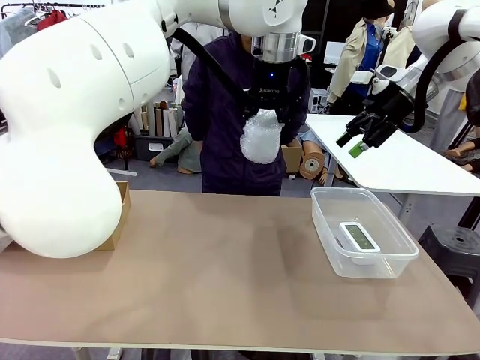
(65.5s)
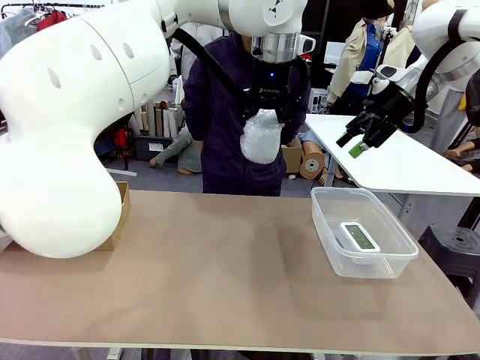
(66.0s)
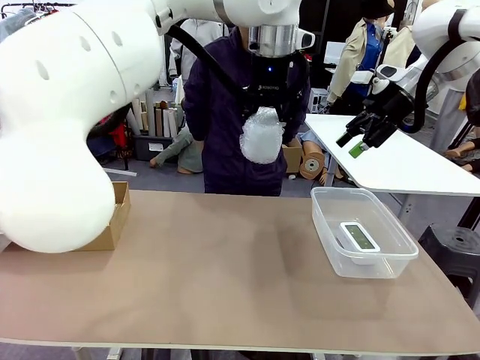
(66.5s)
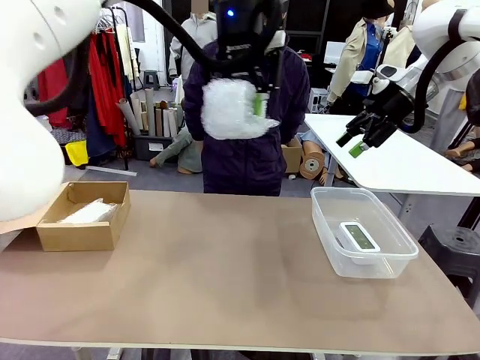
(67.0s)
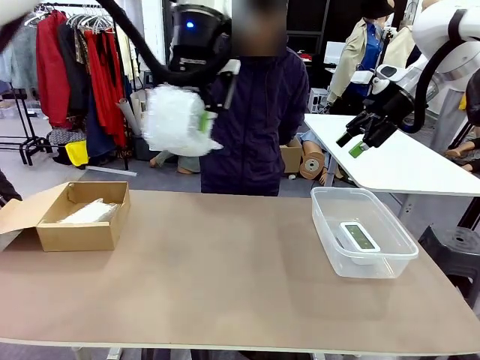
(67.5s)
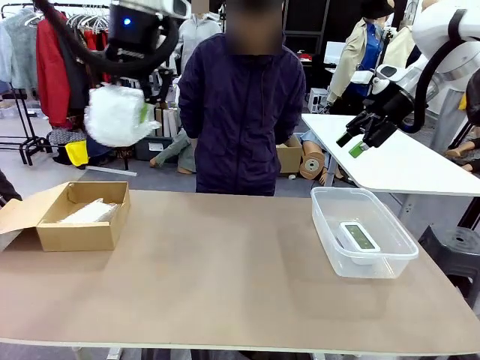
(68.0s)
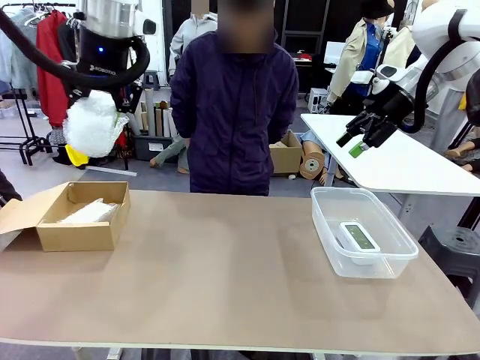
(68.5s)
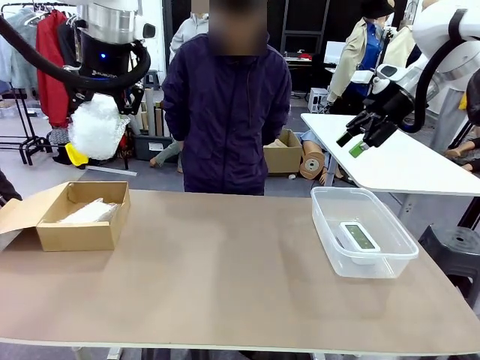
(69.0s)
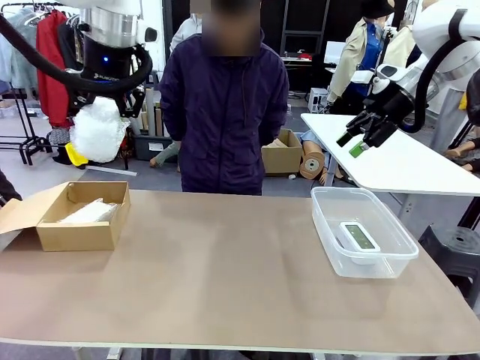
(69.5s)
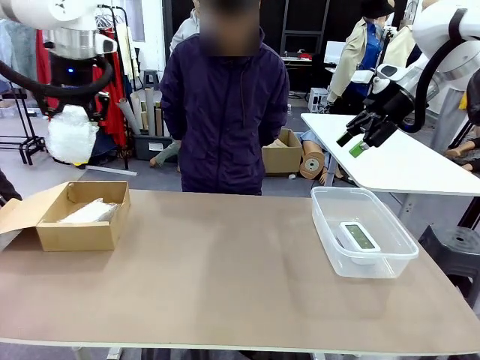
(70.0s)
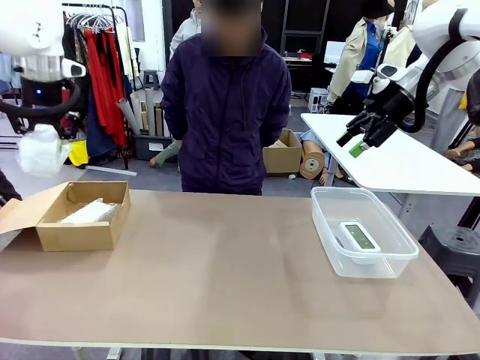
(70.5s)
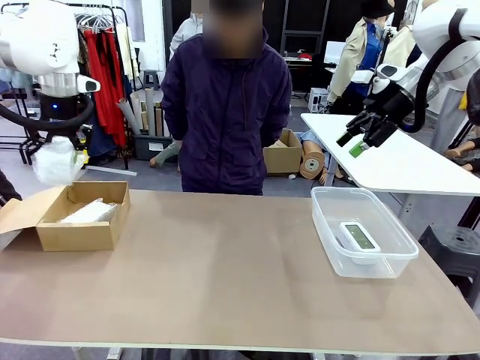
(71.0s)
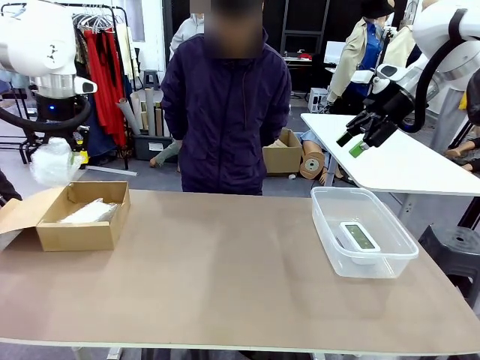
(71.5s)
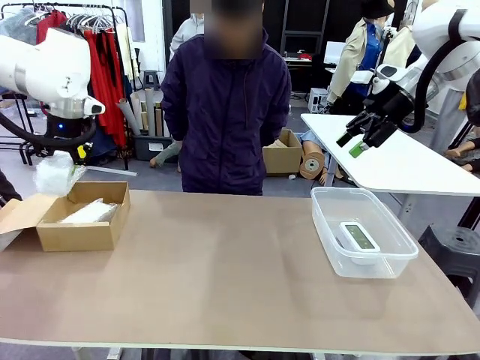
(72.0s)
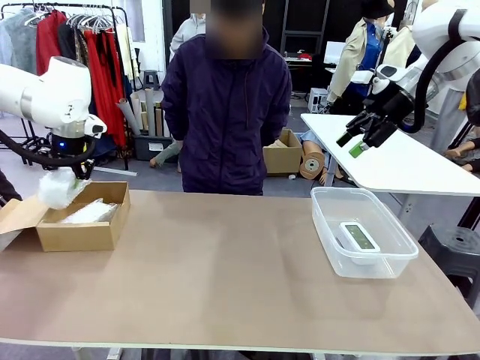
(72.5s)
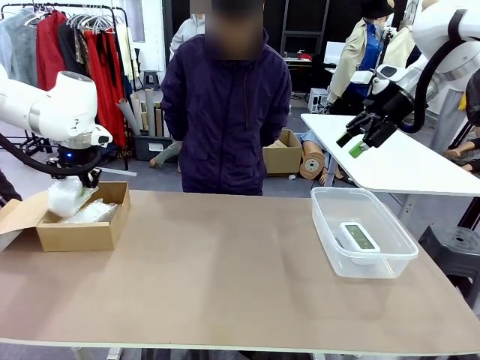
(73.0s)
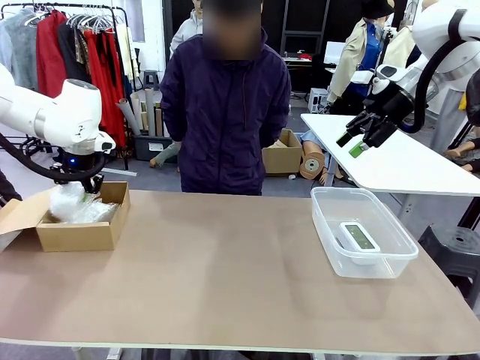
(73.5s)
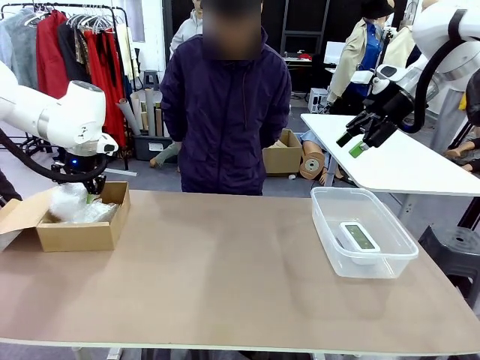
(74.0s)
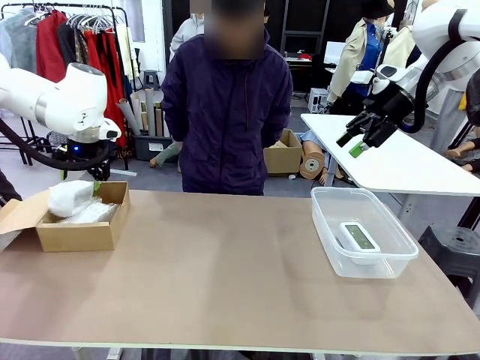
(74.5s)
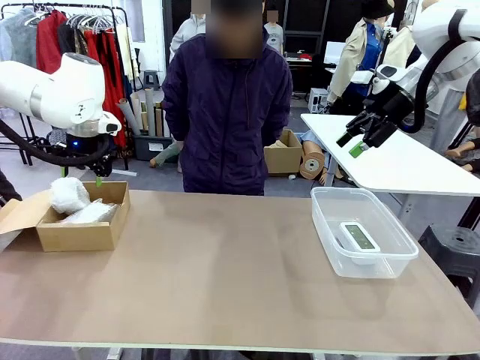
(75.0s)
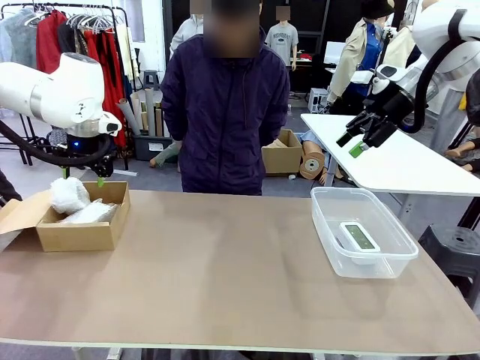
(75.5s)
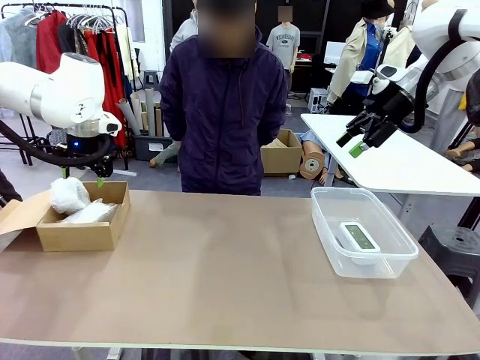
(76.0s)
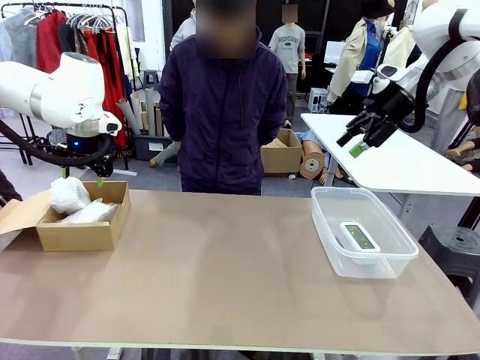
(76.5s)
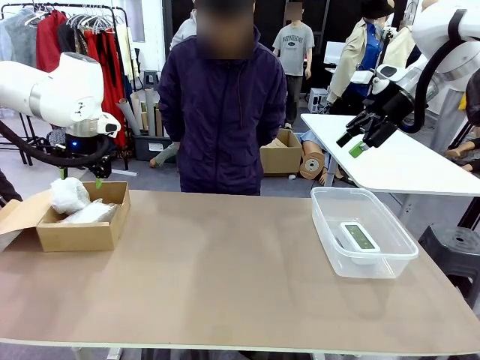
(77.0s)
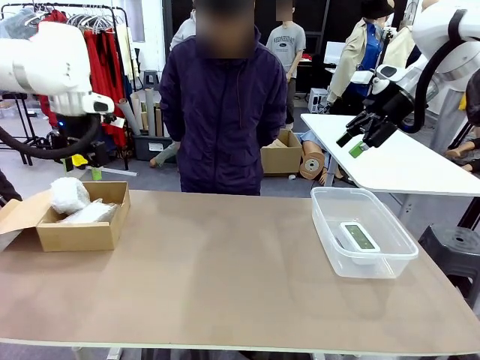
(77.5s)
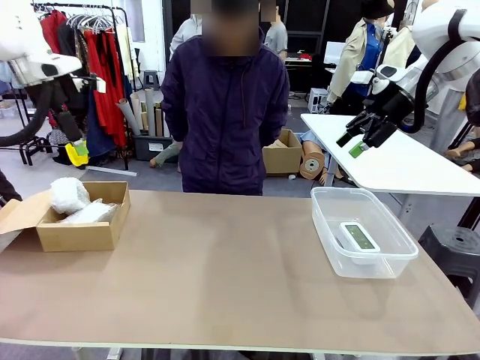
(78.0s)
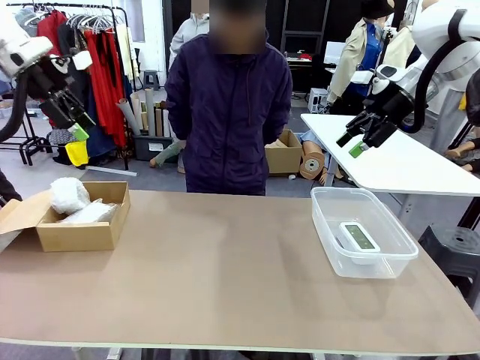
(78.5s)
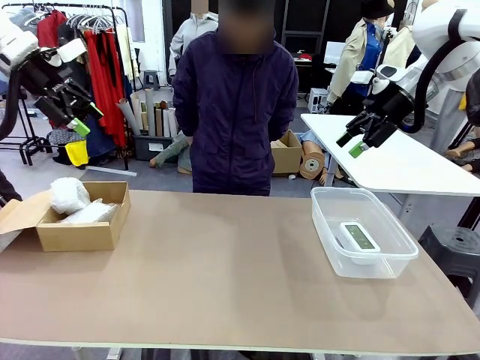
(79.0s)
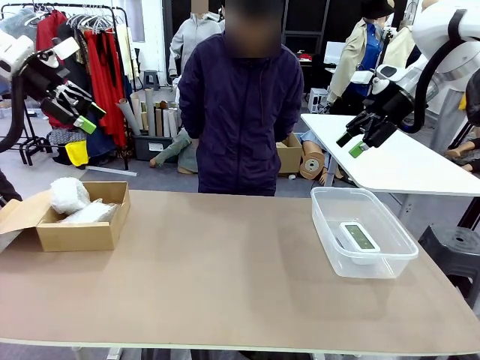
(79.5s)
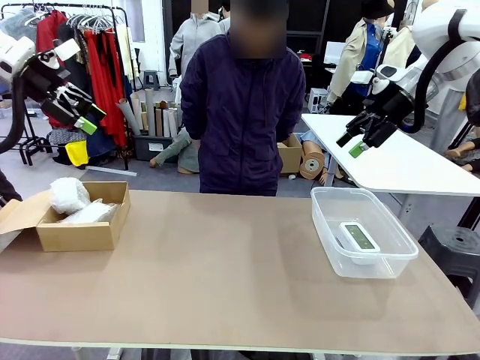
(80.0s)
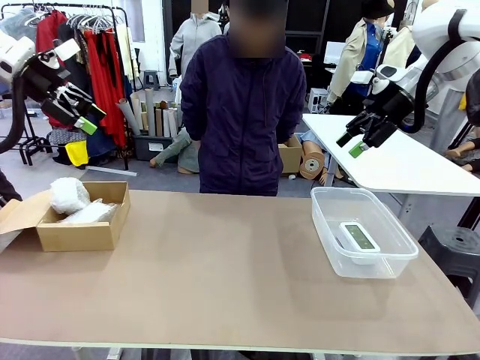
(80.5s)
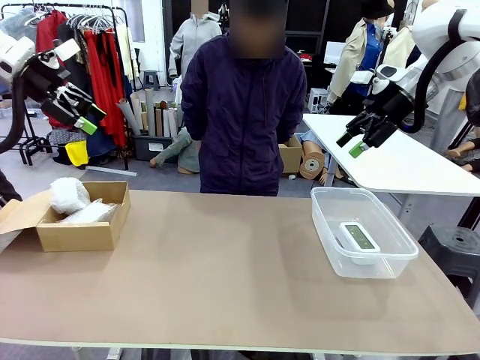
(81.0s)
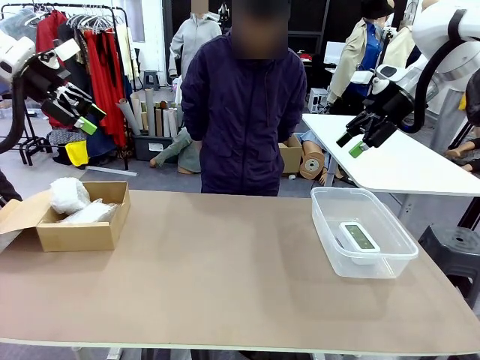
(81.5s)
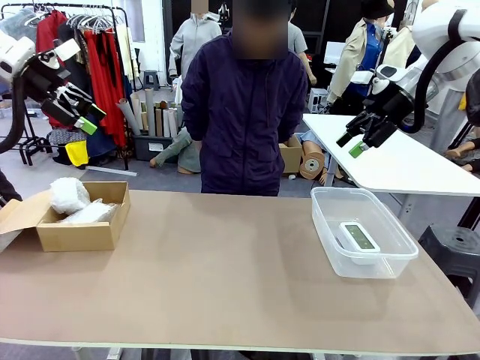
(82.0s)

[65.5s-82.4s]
Task: Separate and place wrapped and unwrapped clocks.
Robot: If the picked Digital clock is wrapped, place it in the Package Box ; if not, place it in the Organizing box.

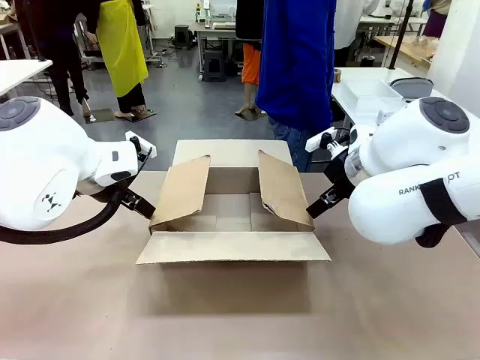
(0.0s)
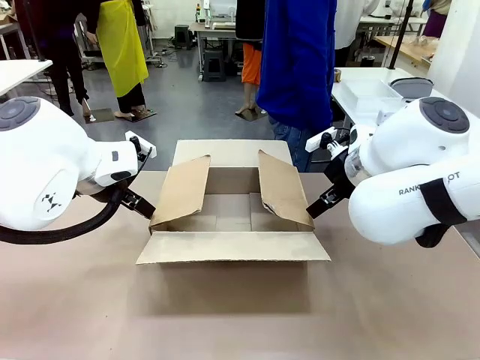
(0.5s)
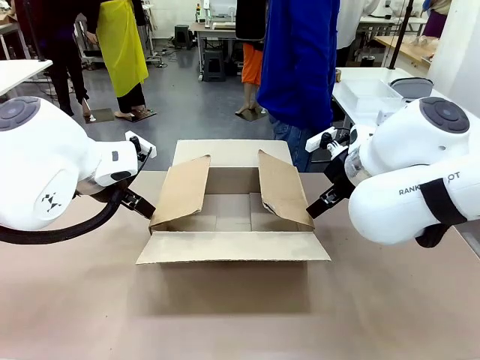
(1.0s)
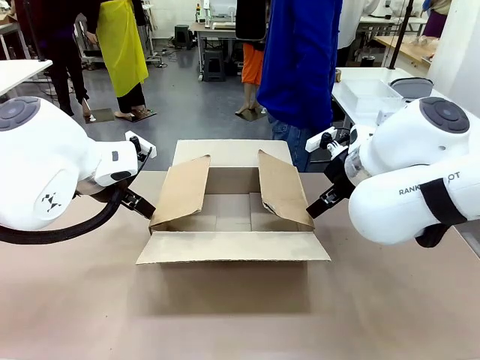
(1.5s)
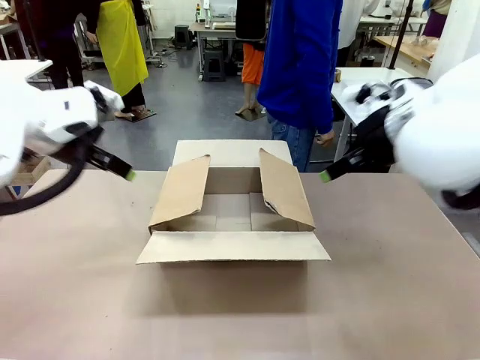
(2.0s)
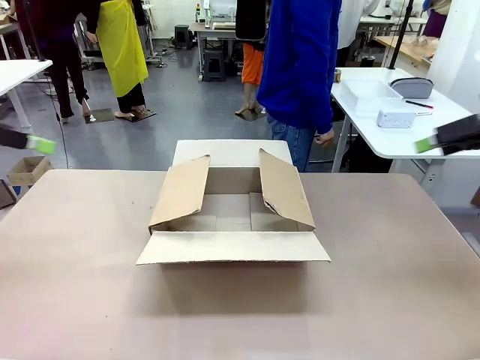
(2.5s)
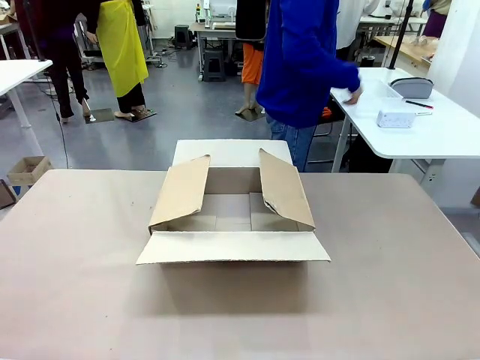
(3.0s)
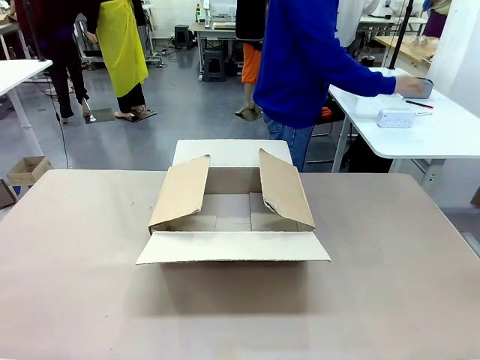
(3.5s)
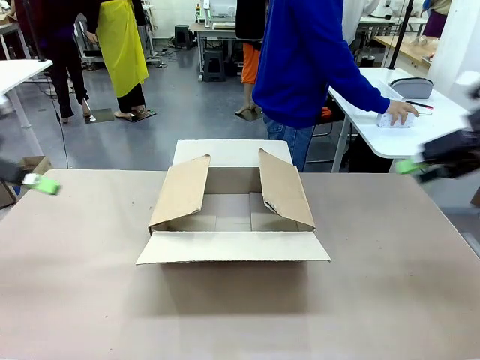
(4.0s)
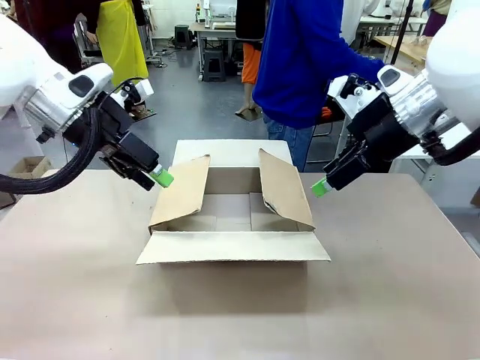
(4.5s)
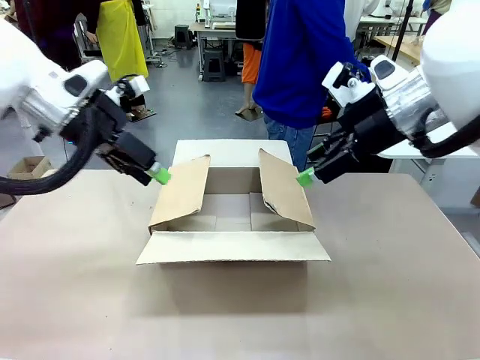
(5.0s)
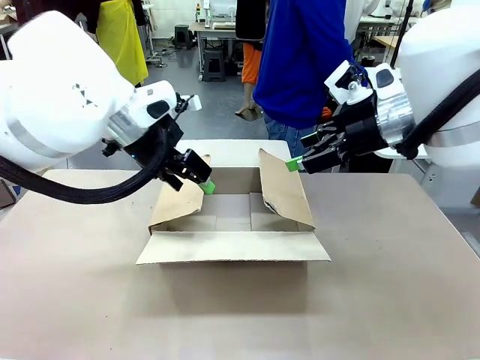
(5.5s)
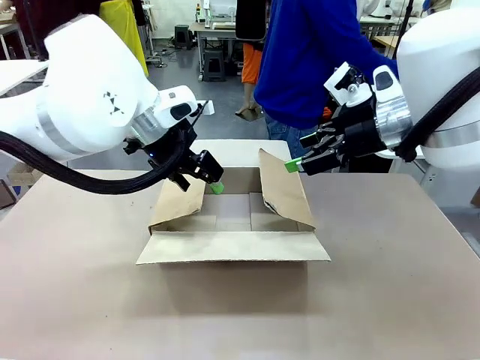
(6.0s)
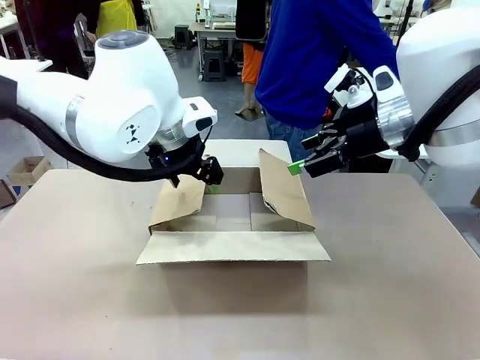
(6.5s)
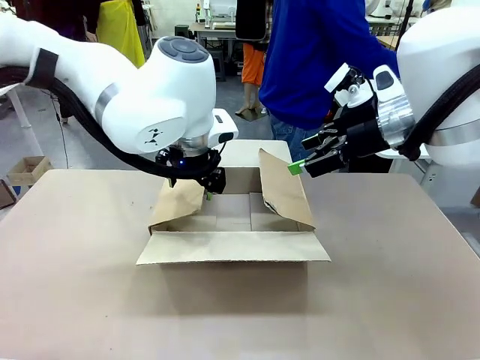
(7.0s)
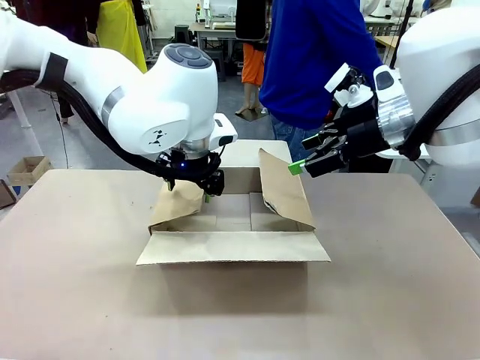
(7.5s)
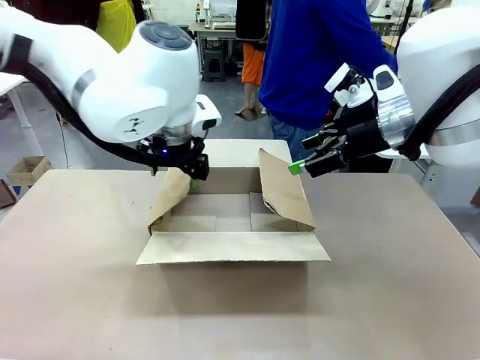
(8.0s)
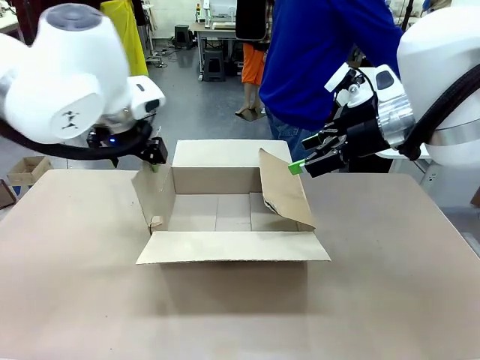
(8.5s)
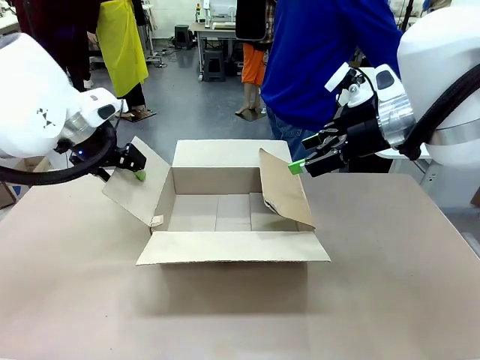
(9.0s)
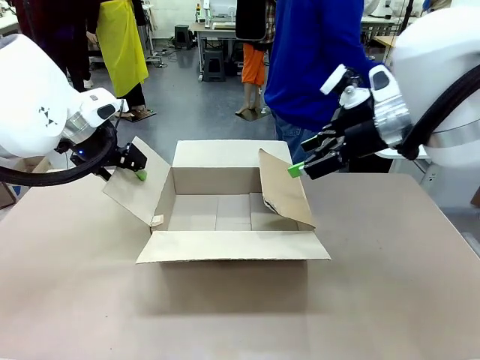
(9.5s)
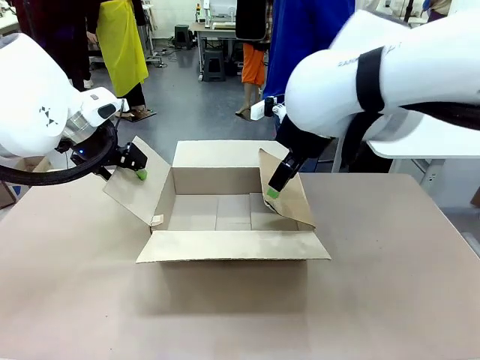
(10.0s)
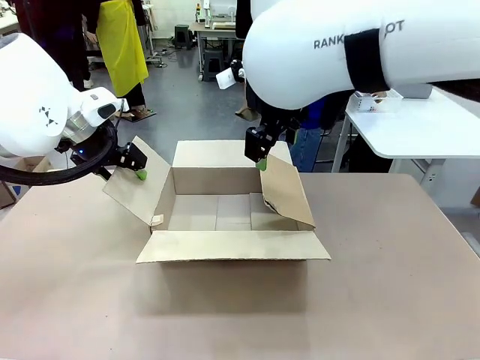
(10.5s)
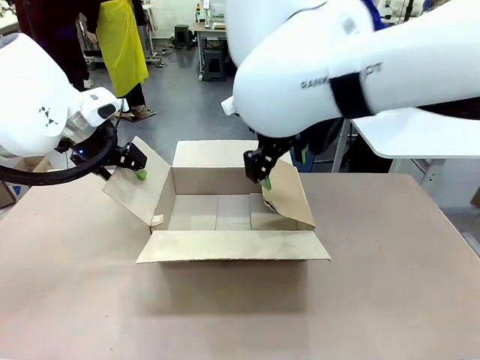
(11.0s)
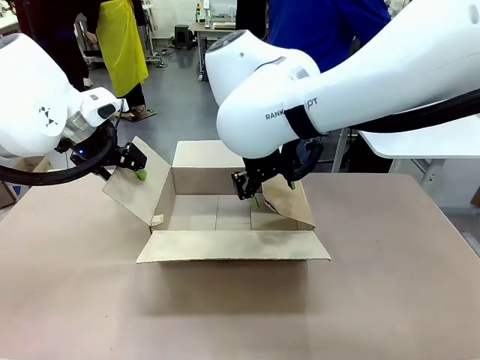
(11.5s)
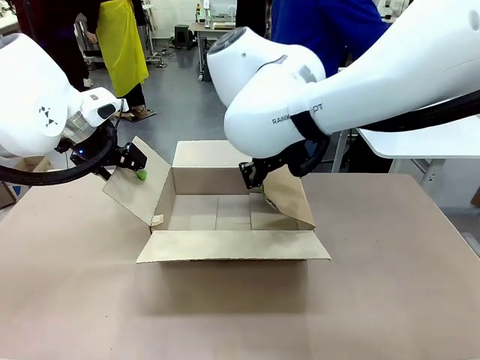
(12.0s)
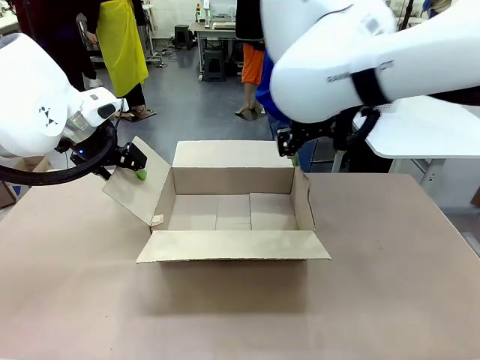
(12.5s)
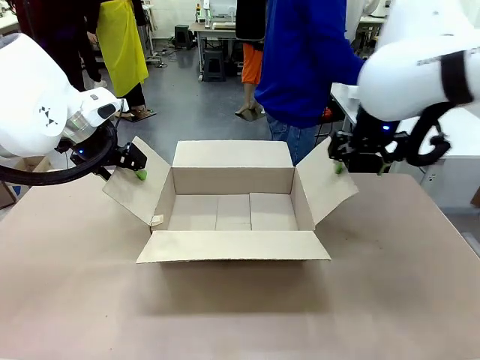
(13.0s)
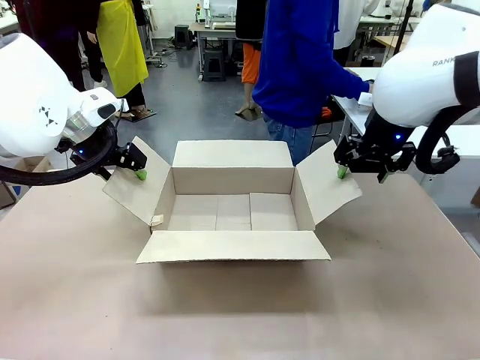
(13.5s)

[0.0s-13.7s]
Task: Pack the gift set into the box.
Robot: Place both hands on the side flaps of the Package Box and spread them outward.
Person: The human places all items except the paper tape into the organizing basket.
